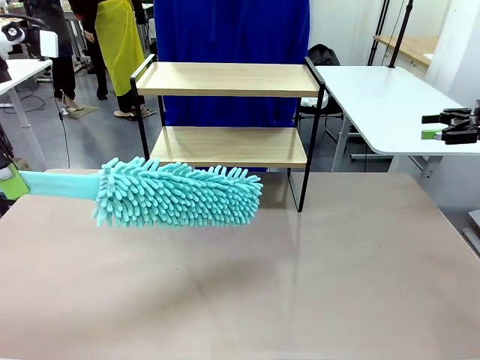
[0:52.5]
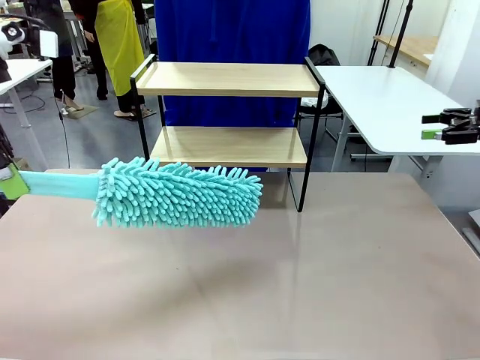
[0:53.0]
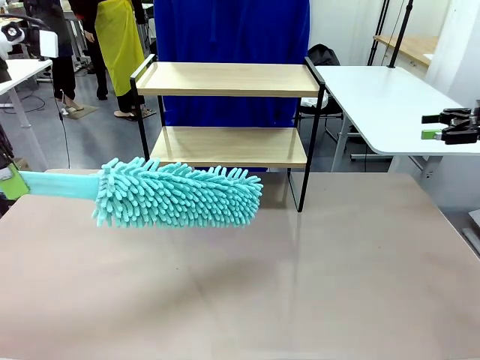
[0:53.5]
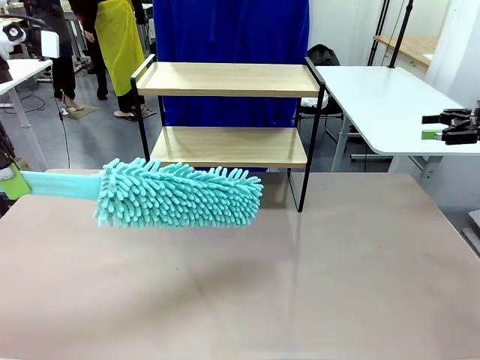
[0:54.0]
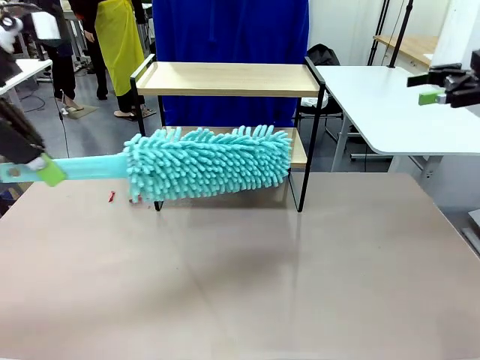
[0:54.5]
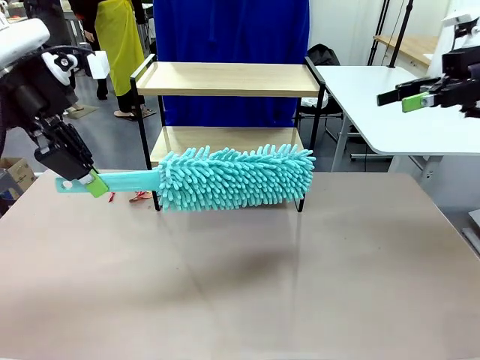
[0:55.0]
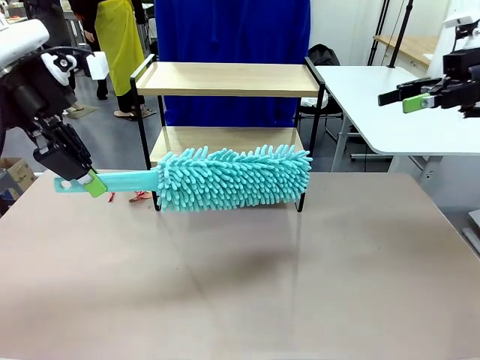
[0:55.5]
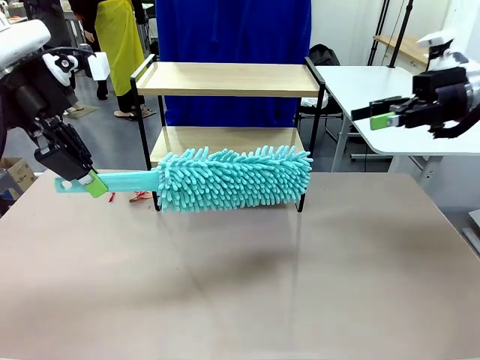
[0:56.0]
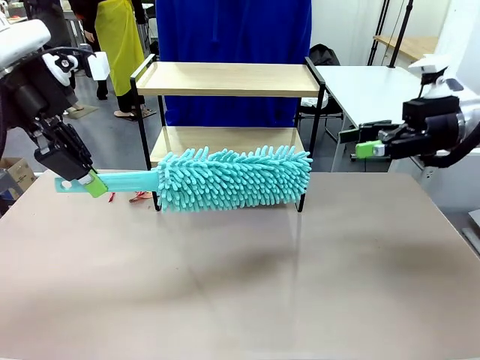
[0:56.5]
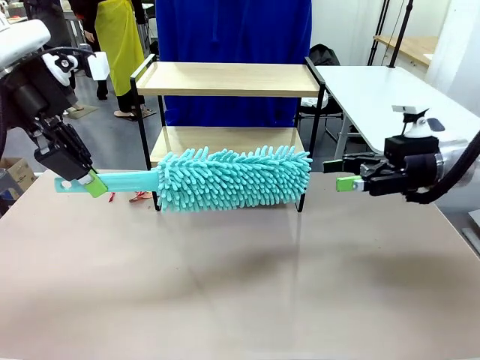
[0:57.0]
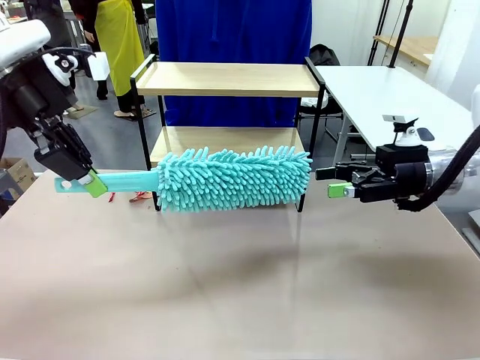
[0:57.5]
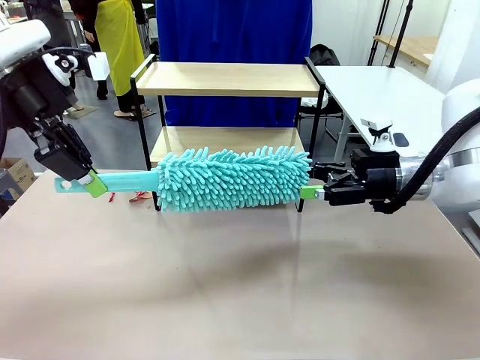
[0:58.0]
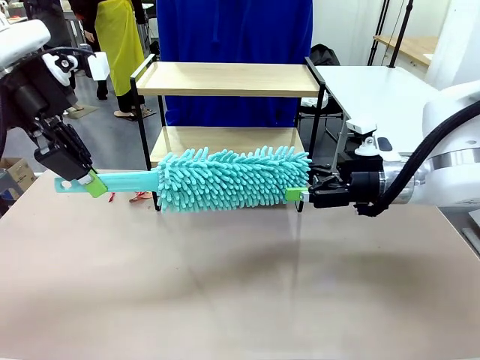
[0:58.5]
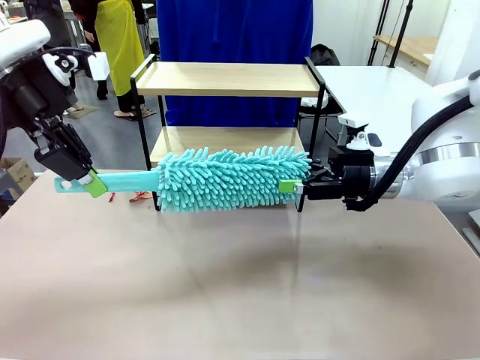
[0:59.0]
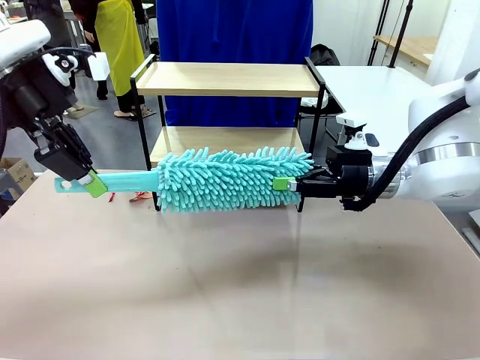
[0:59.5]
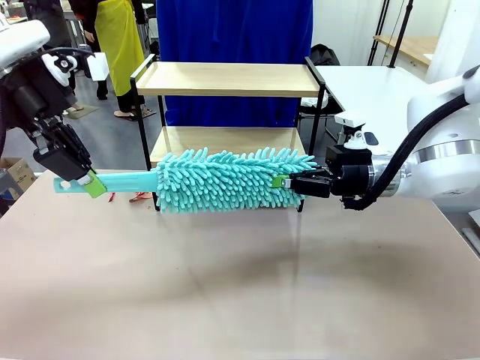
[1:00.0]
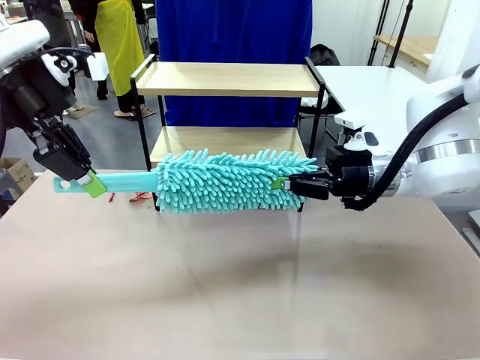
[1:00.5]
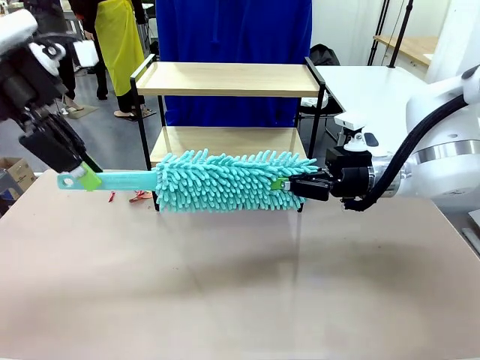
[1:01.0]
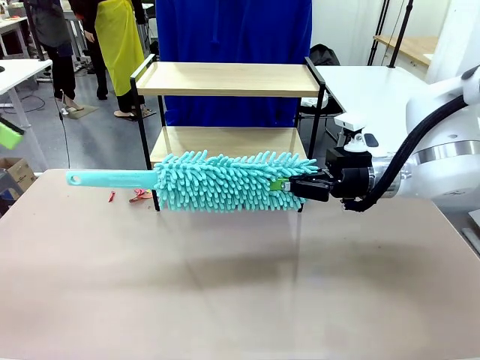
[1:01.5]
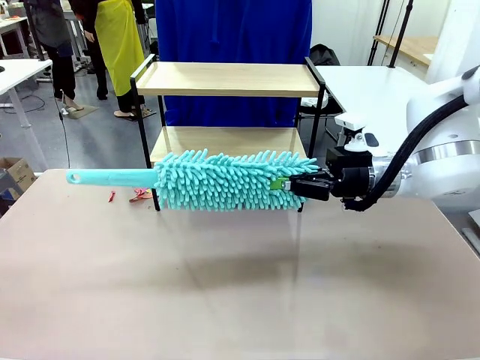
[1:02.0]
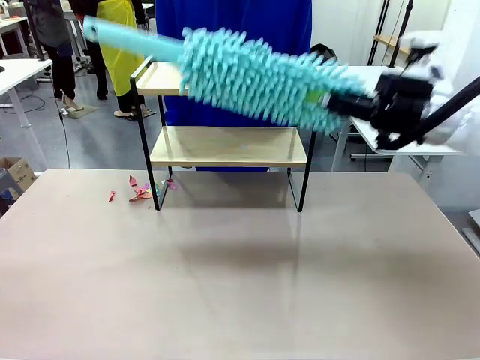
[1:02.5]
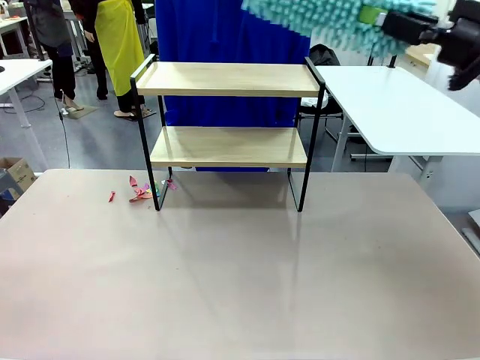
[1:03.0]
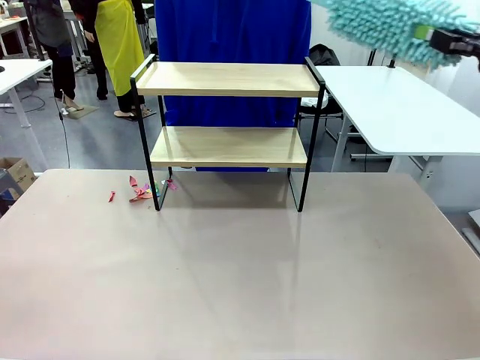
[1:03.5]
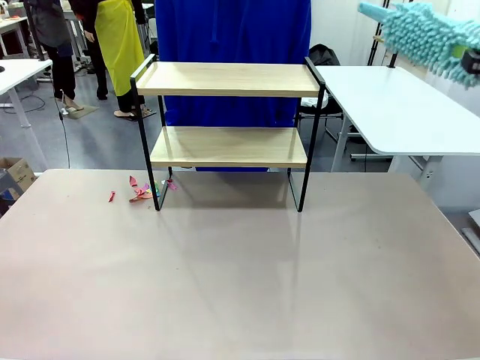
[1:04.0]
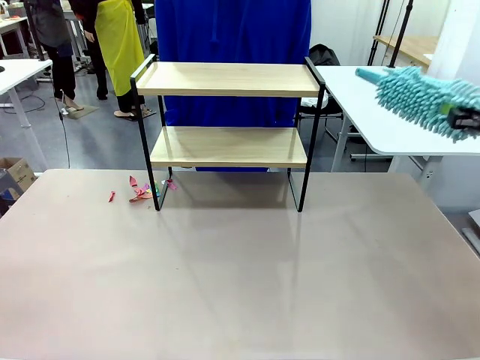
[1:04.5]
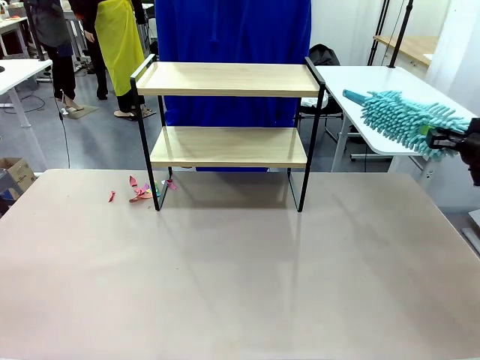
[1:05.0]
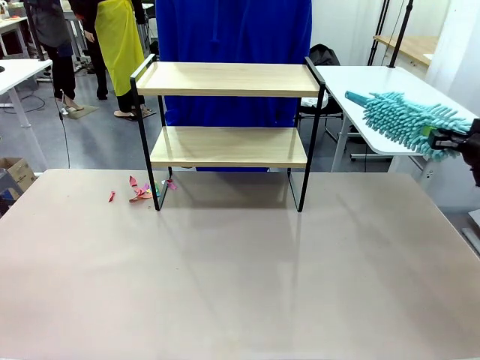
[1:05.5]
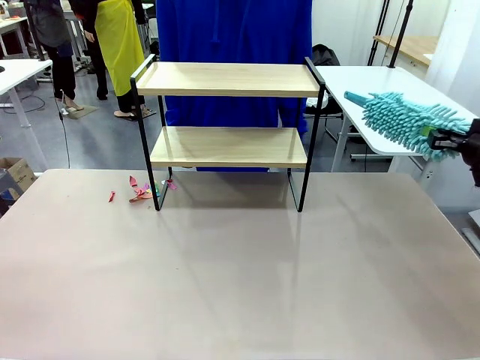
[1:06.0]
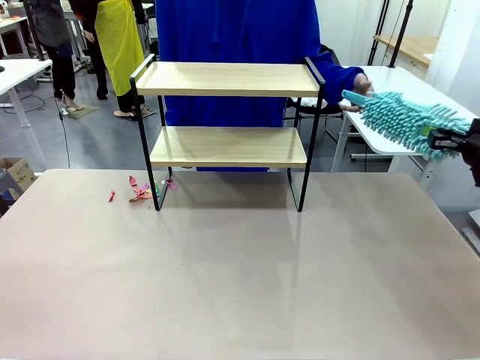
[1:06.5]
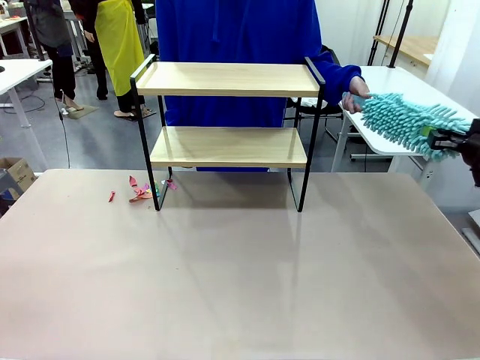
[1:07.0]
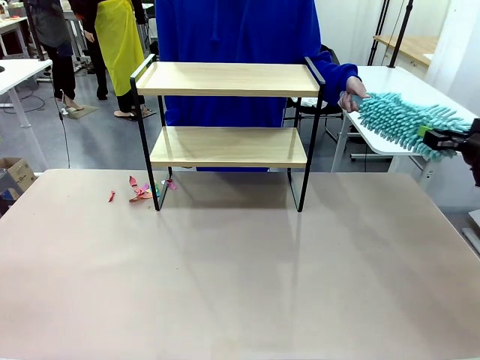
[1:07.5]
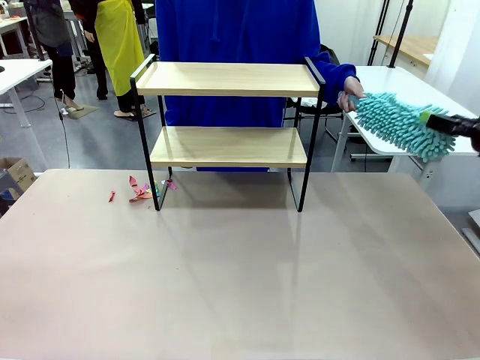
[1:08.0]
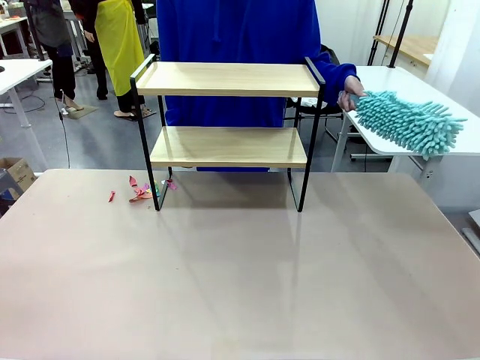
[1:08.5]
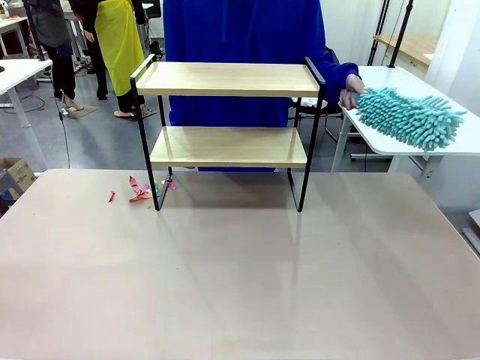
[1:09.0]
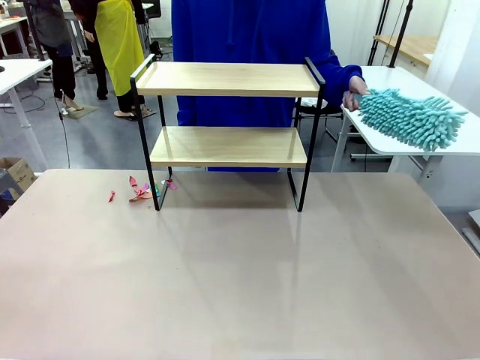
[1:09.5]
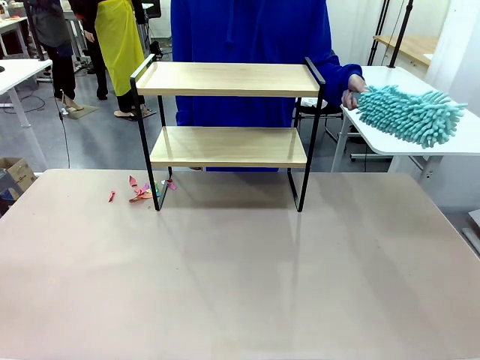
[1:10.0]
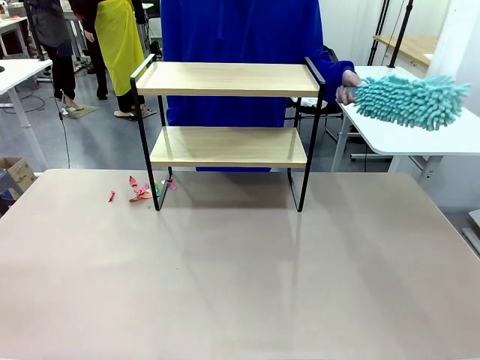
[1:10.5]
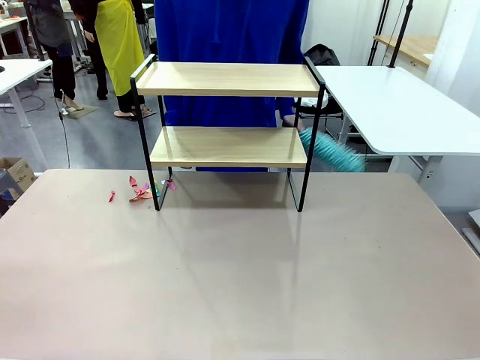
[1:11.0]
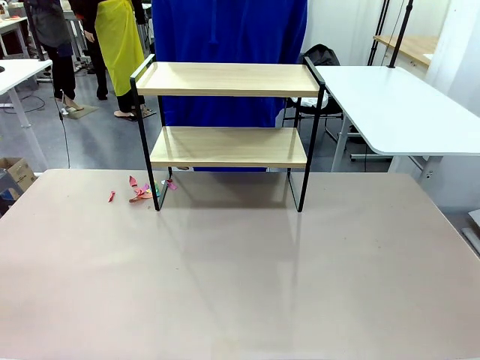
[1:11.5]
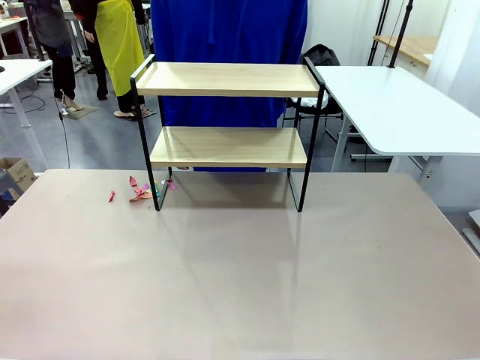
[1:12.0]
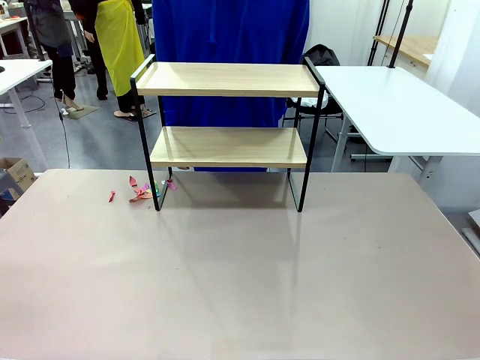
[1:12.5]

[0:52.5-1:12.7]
Task: Clean the shelf.
Robot: Hand the Duster back to the human.
Person: Receive the Duster from the robot.

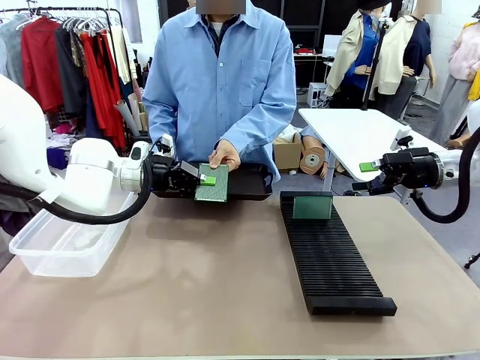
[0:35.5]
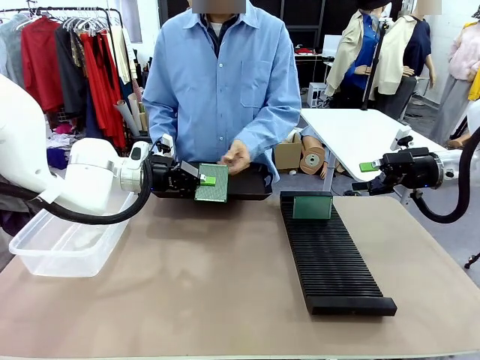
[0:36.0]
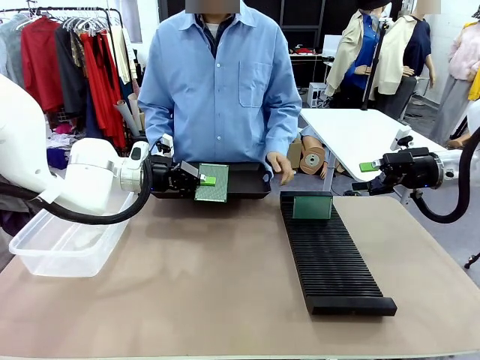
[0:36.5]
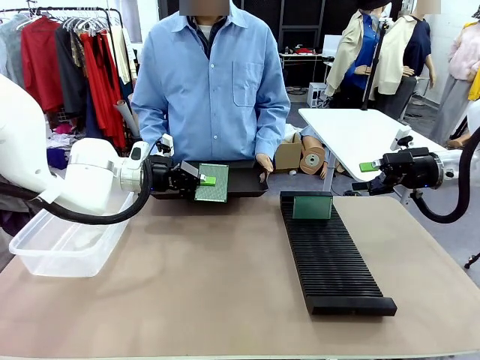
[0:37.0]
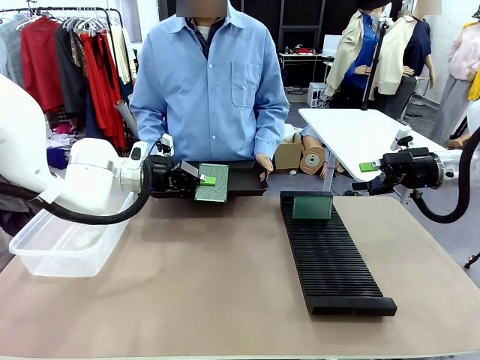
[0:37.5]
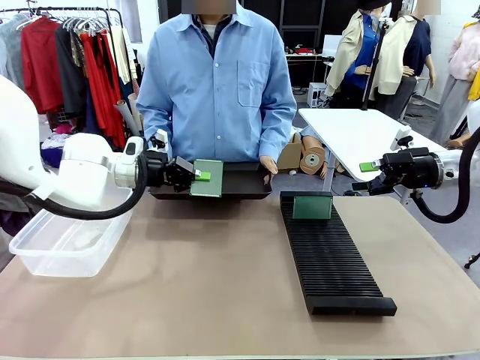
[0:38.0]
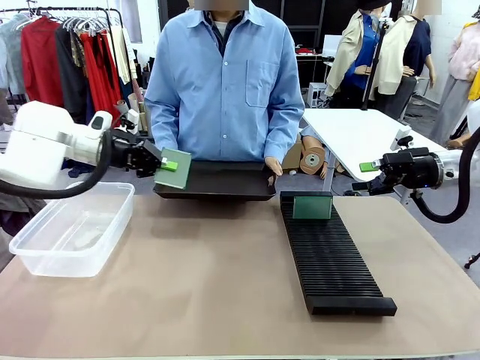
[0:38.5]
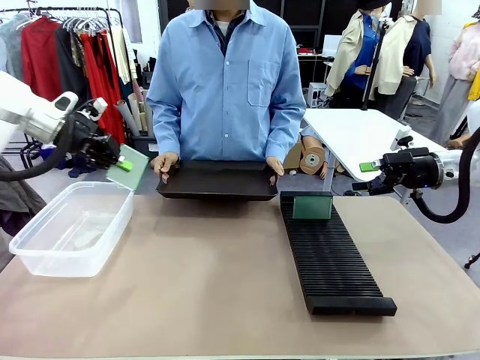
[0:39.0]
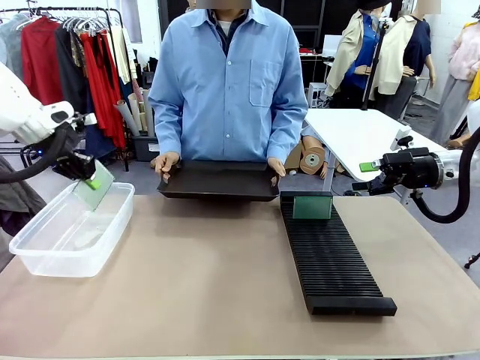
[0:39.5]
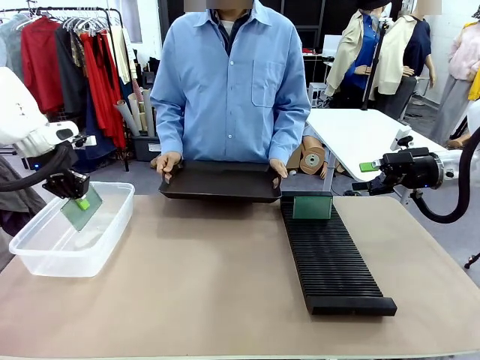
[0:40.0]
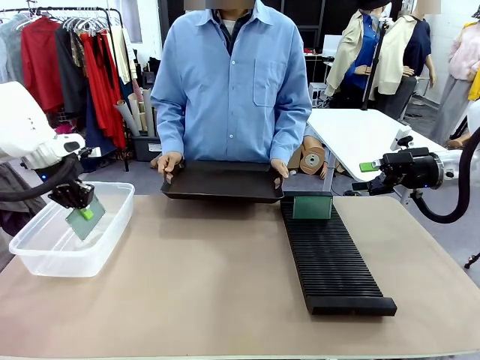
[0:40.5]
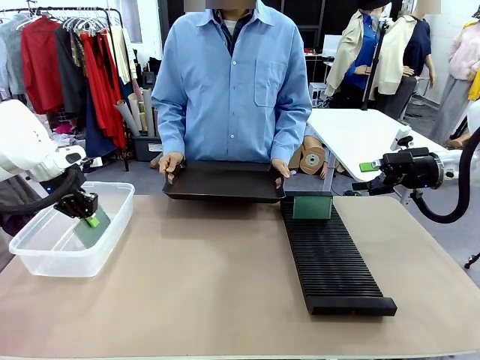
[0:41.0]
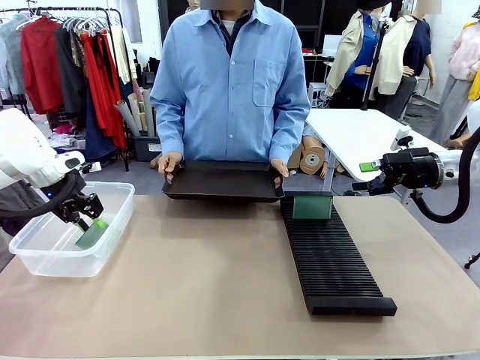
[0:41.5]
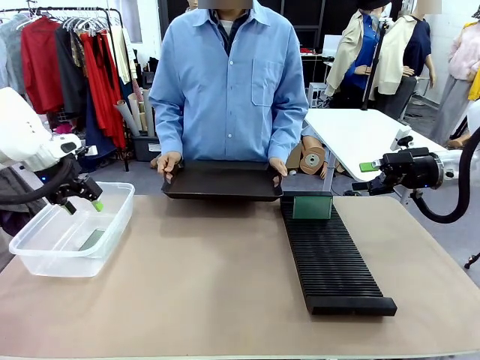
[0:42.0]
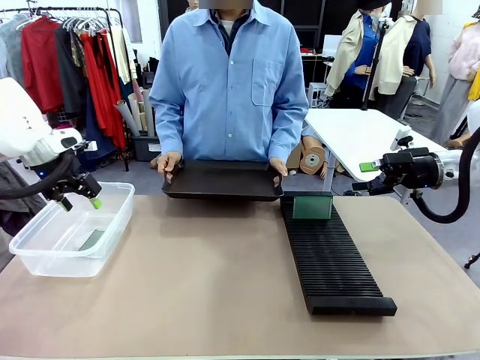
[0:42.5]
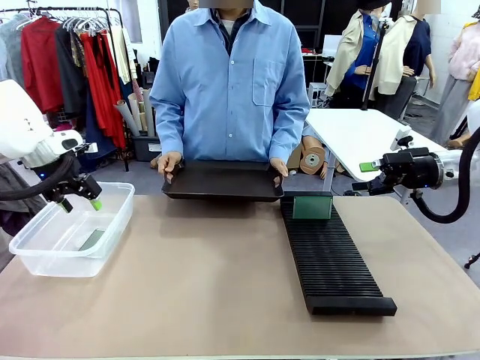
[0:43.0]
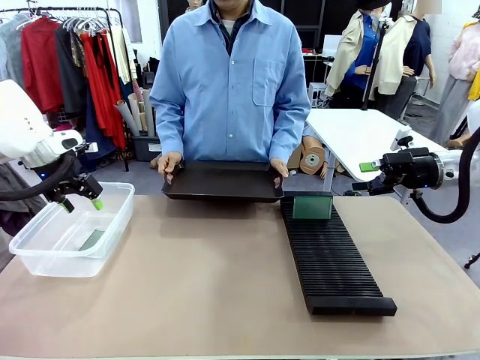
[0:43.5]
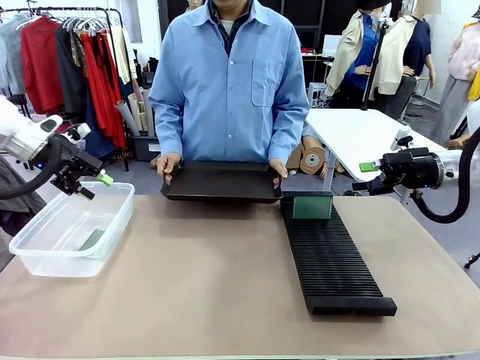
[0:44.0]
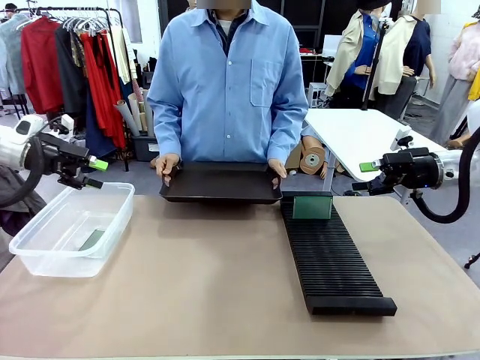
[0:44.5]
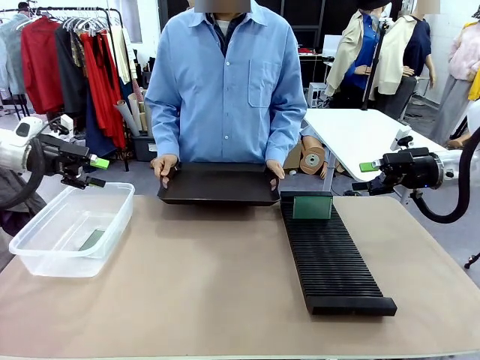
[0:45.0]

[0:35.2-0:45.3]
Task: Sort PCBs into racks and boxes based on the side picked up.
Robot: If the short side of the Blank PCB is picked up, insert it into the PCB Rack ; if the long side is picked up, place it in the Organizing box.
Person: Release the PCB being held.
